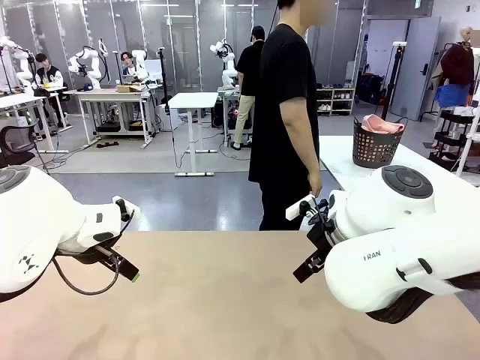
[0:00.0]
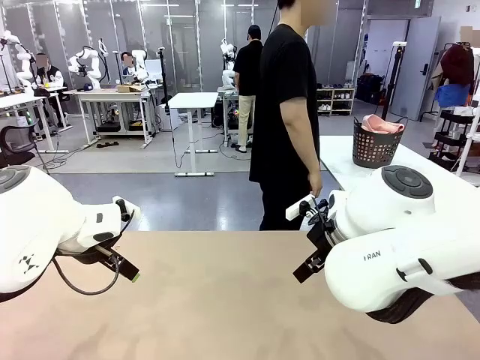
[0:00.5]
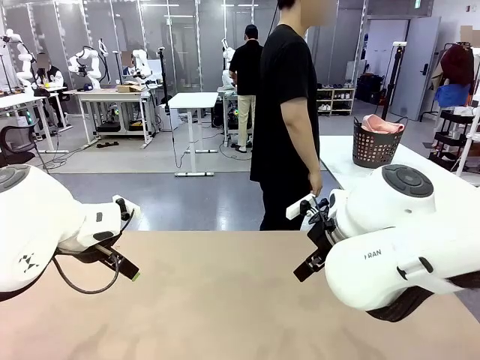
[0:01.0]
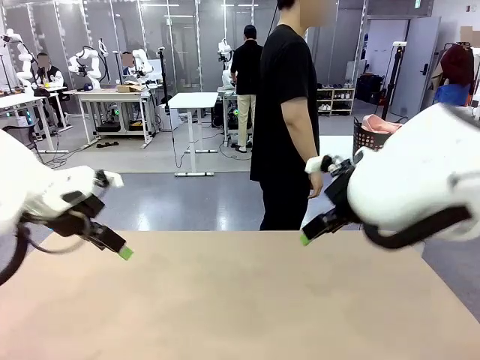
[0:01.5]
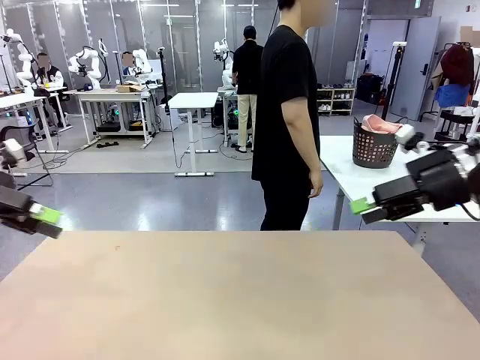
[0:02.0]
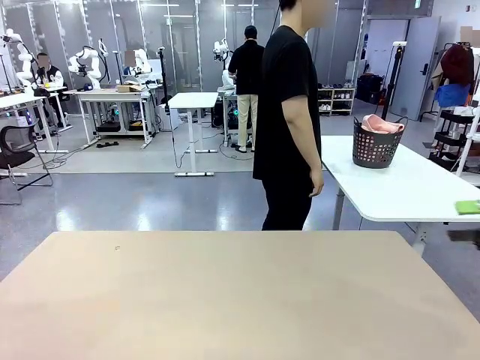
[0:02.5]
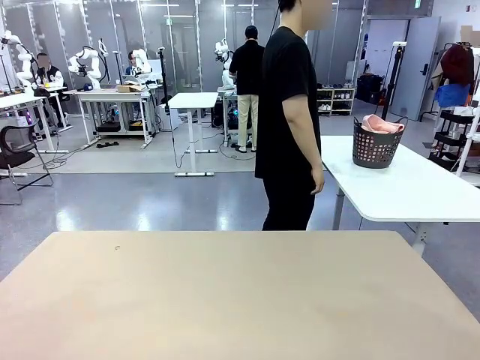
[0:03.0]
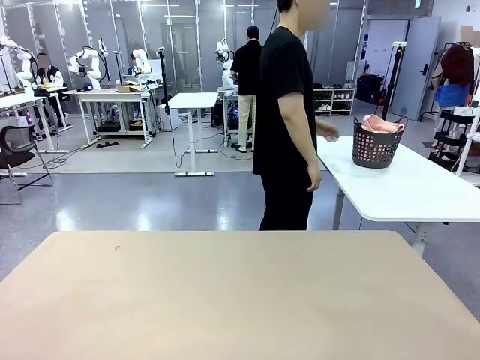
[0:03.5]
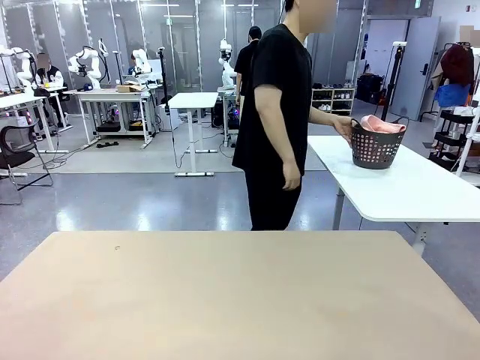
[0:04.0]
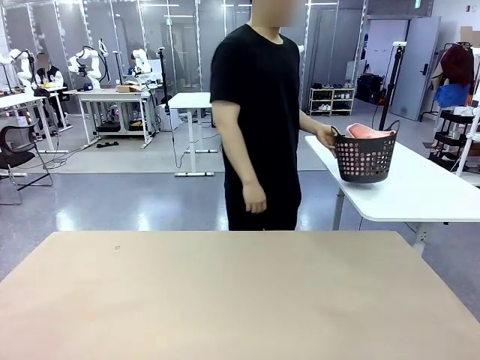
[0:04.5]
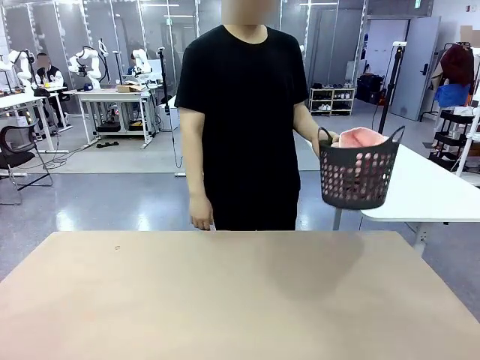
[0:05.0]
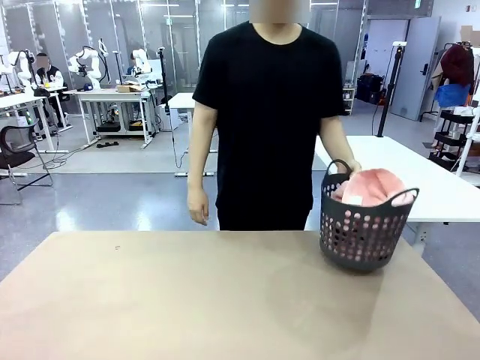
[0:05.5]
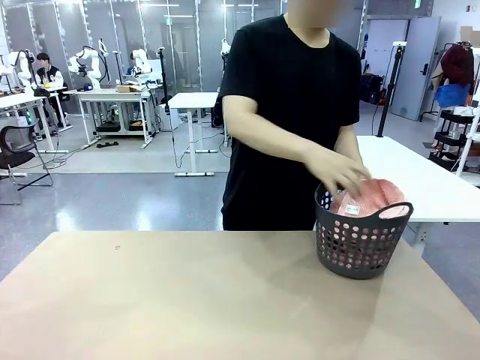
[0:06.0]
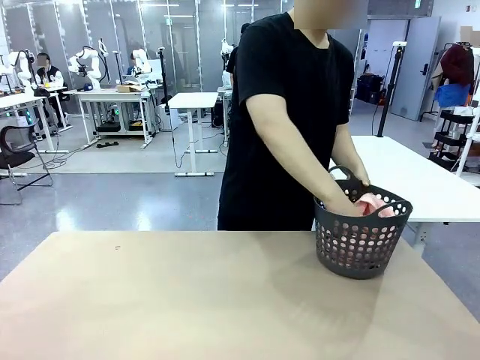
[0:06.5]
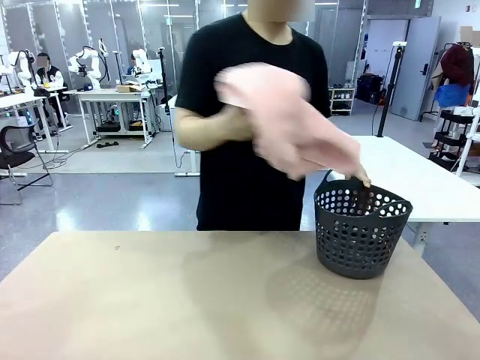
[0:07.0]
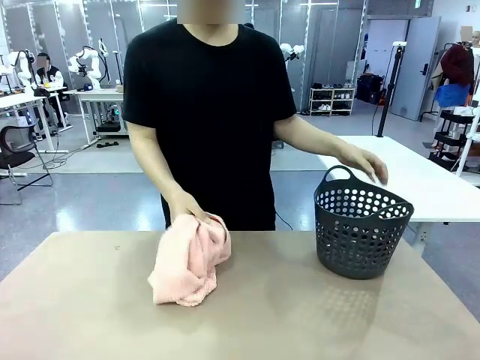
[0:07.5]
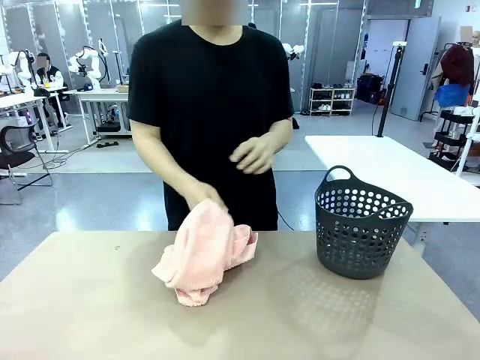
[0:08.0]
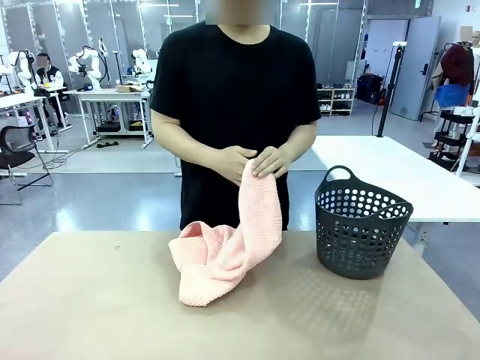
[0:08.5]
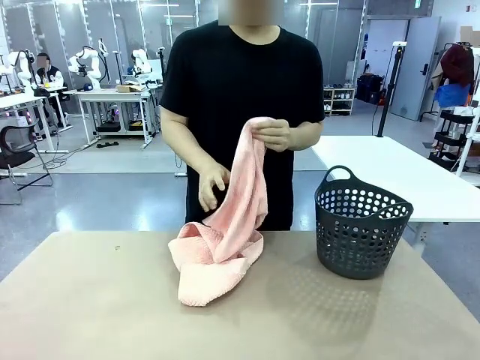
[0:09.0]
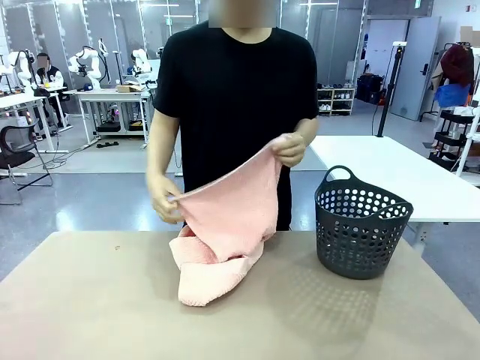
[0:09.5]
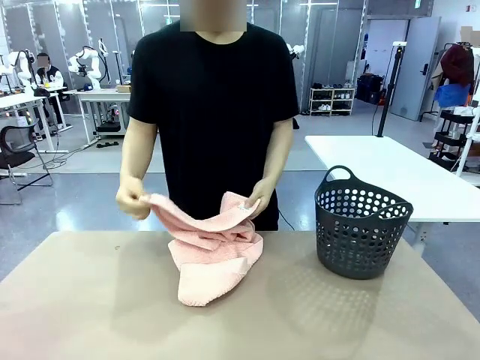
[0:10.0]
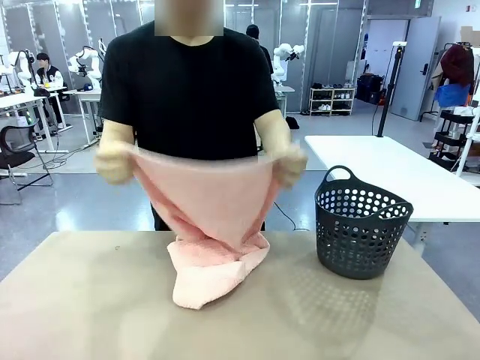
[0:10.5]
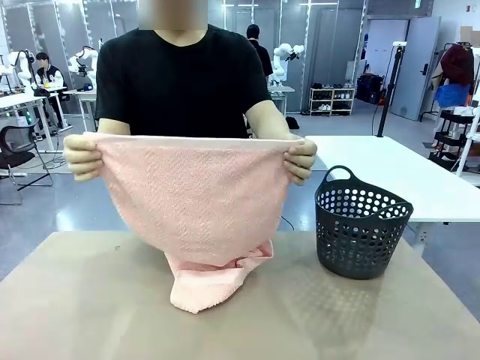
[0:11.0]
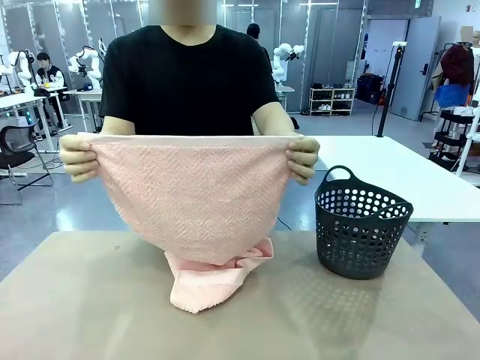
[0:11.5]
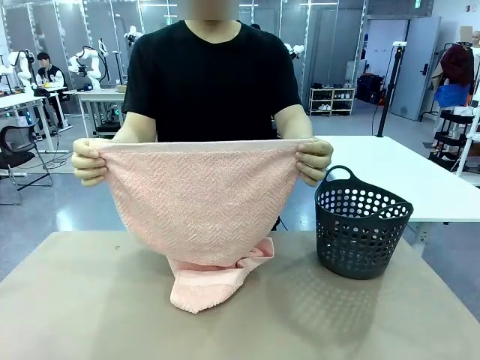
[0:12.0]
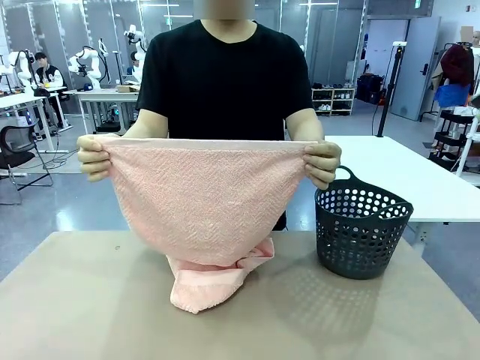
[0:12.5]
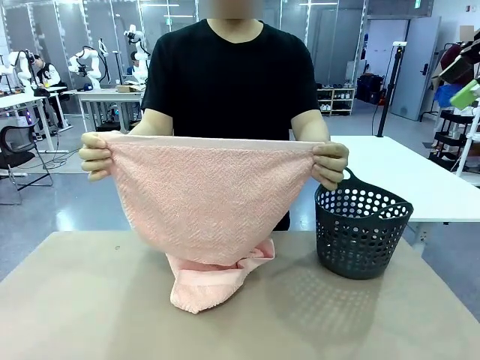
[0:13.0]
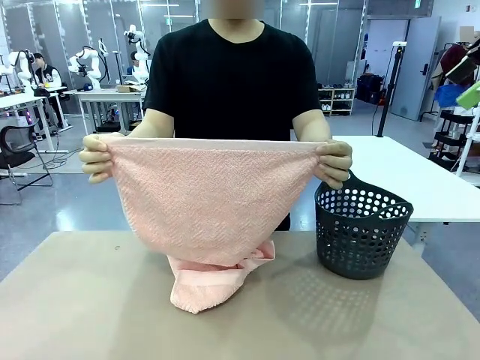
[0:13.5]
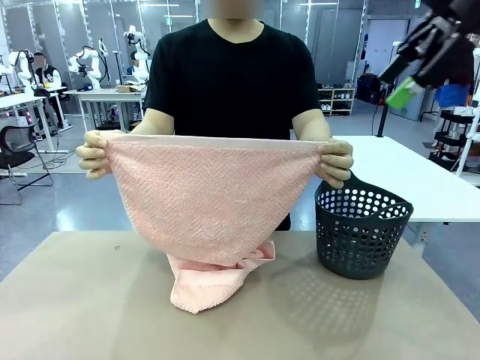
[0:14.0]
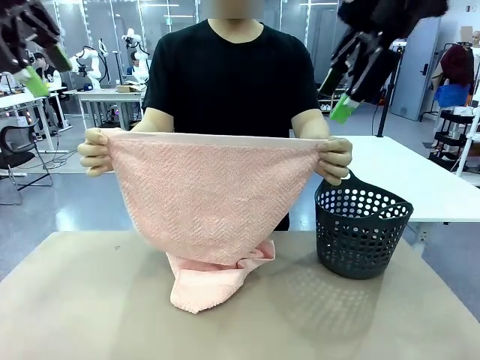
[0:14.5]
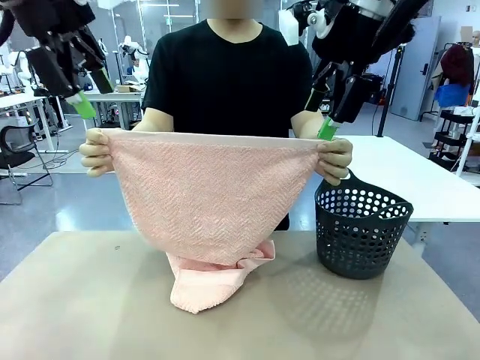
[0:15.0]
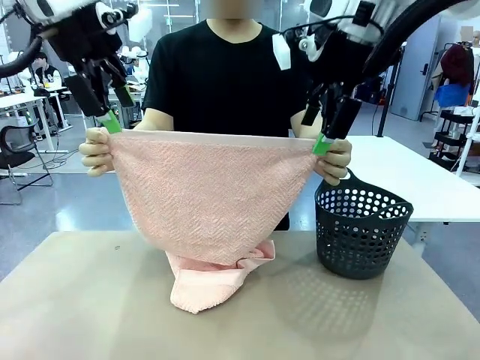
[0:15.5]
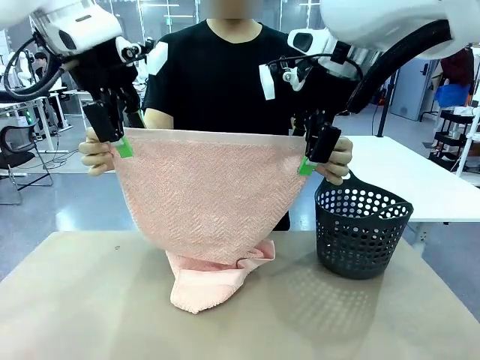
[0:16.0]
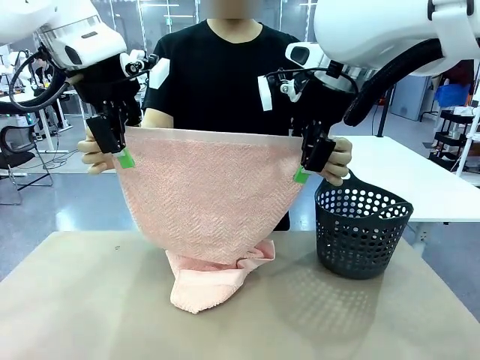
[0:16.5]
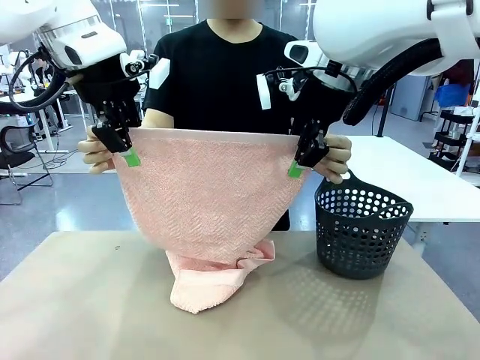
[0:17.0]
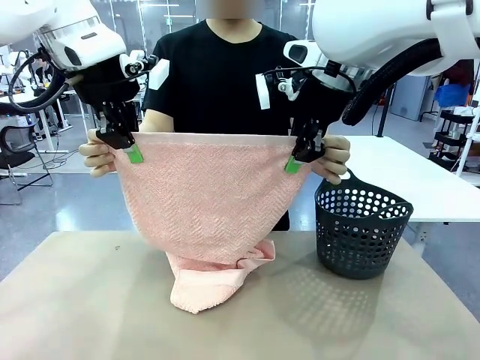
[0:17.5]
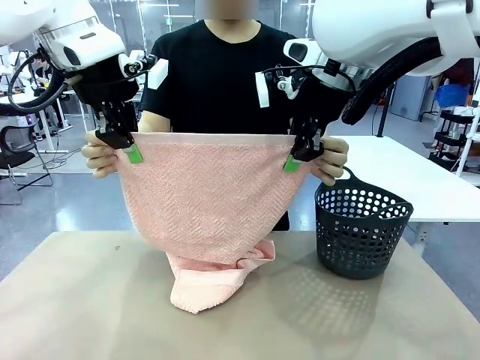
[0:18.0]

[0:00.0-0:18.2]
Task: Fold the towel.
Robot: Grab the top end of the 100 cm Hotel Towel extended by the human.
Person: Pick up the laundry basket, place it on the left side of the robot table, then take out a towel and hand it to the robot while holding both corners of one end.

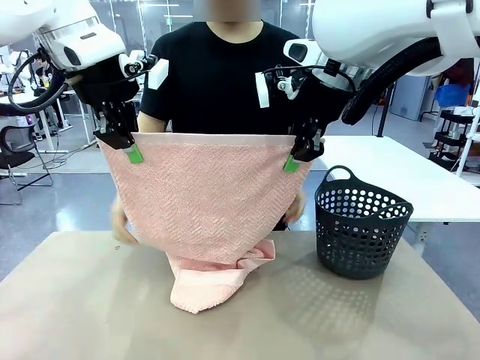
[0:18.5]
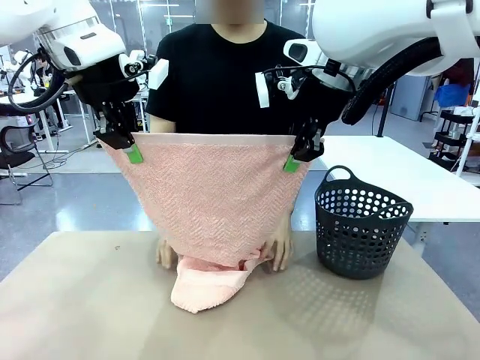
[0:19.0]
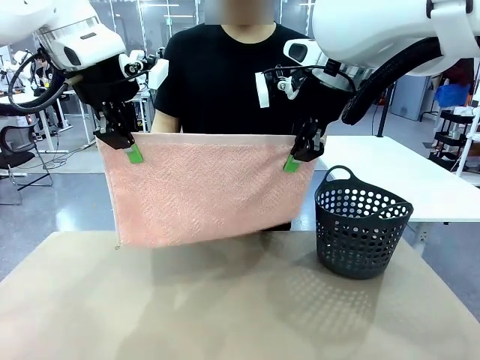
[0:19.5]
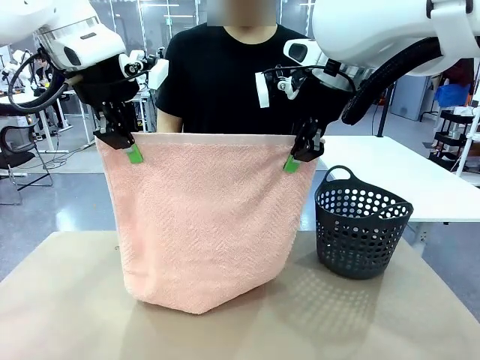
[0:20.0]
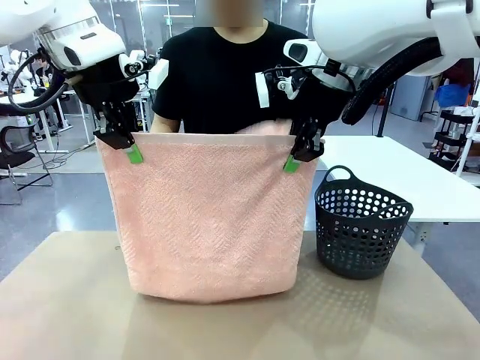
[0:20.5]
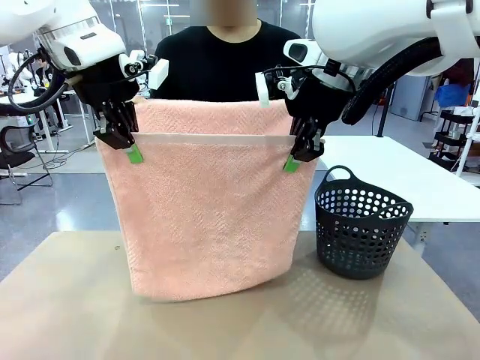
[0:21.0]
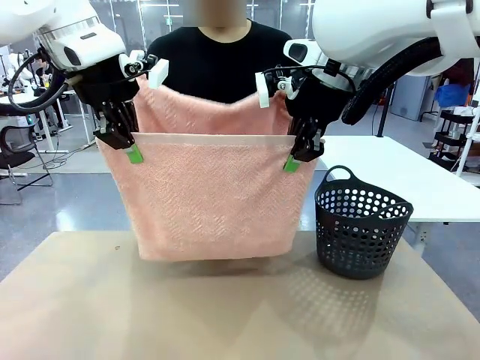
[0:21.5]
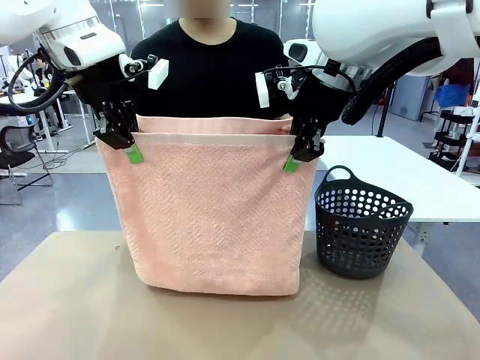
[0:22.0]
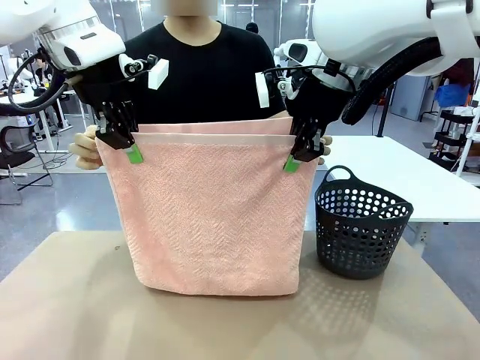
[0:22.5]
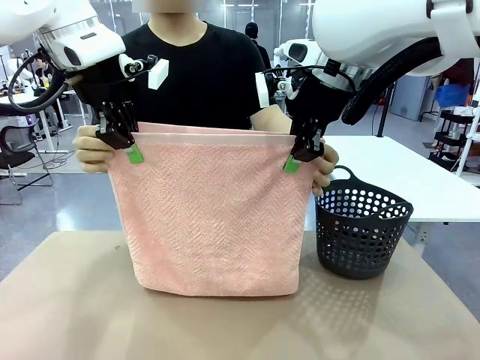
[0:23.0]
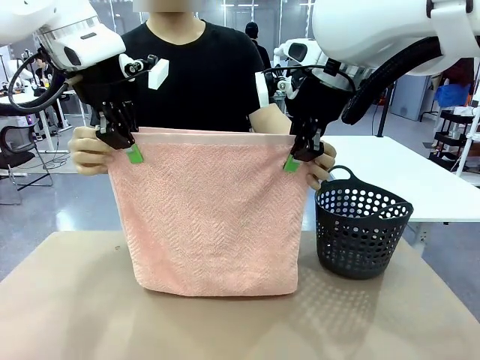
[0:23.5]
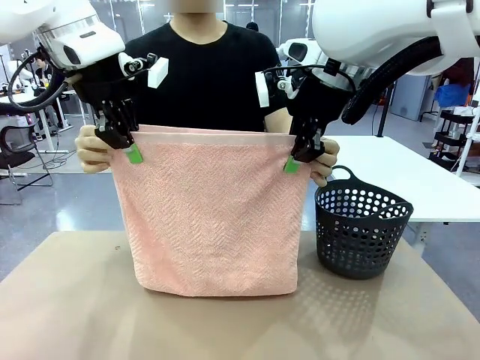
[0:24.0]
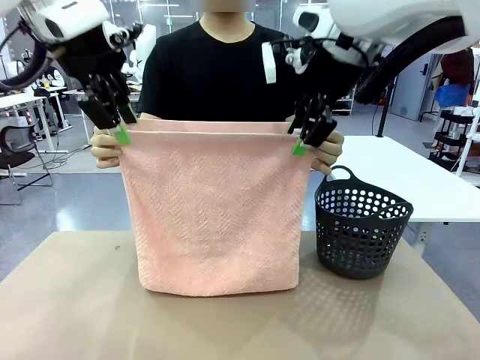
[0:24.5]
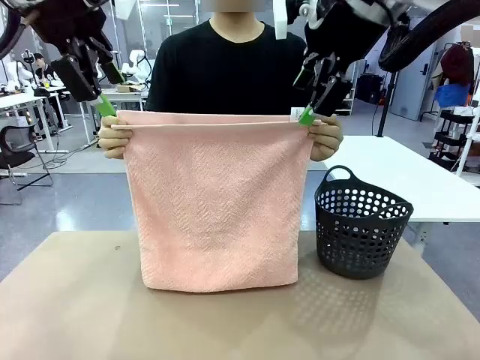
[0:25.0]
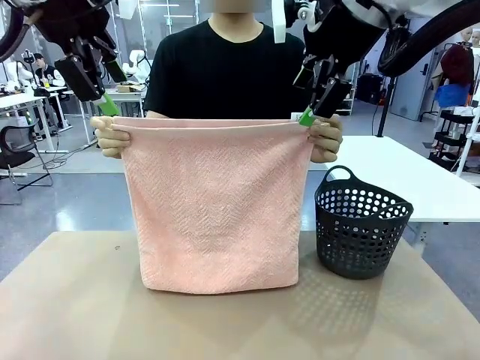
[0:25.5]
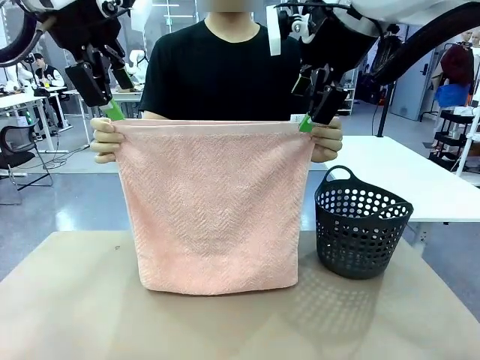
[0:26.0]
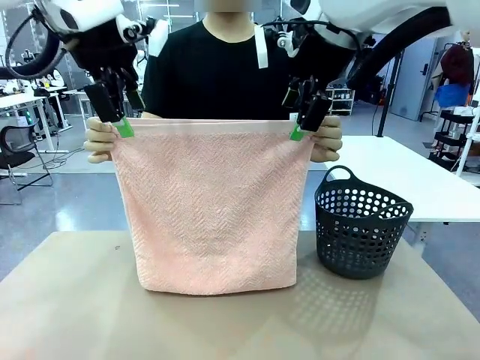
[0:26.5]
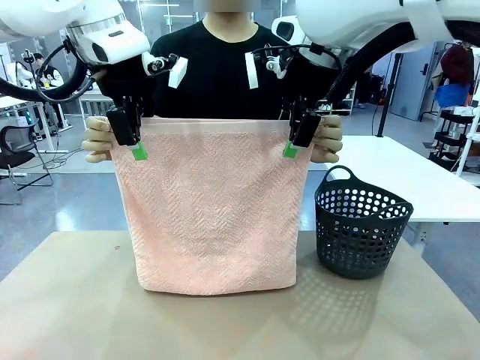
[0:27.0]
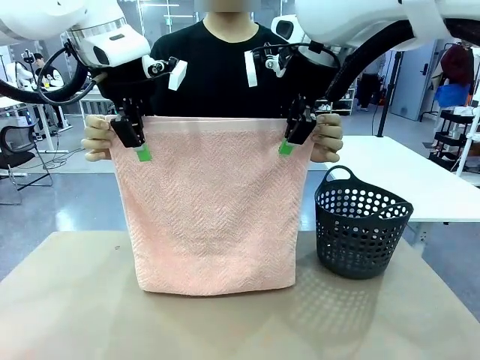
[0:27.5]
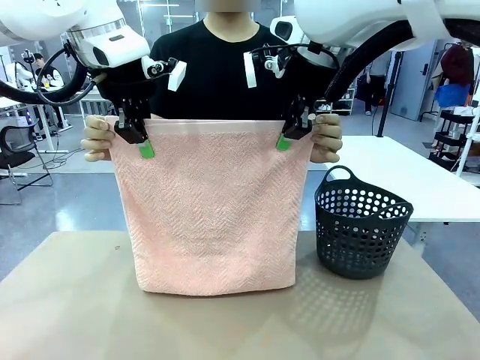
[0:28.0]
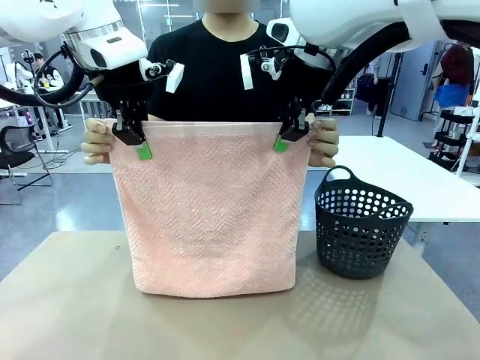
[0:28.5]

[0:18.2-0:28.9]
Robot: Release the end of the 100 cm Hotel Towel you were holding and grab the top end of the folded side.
